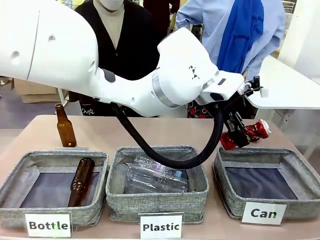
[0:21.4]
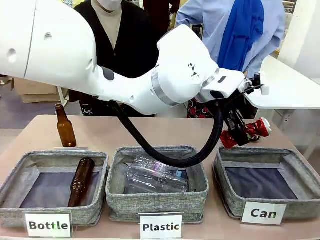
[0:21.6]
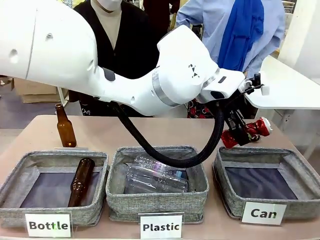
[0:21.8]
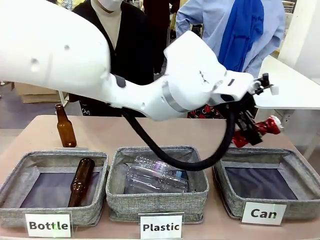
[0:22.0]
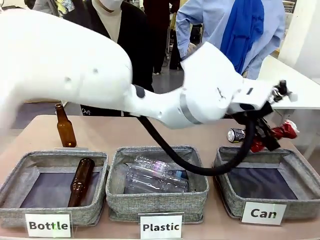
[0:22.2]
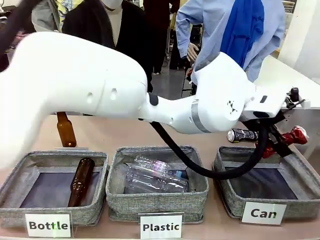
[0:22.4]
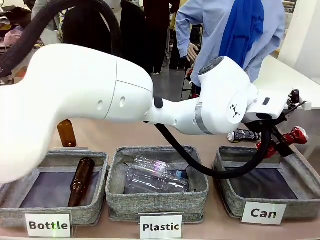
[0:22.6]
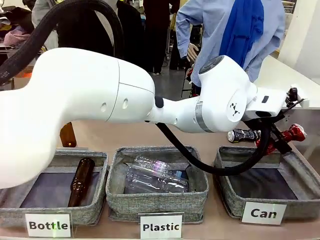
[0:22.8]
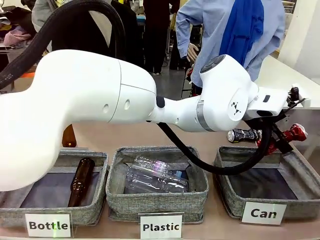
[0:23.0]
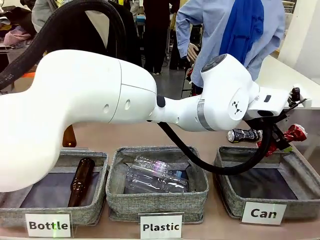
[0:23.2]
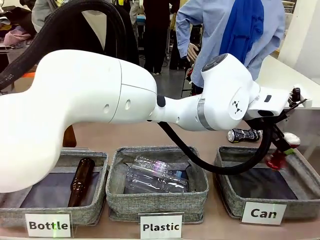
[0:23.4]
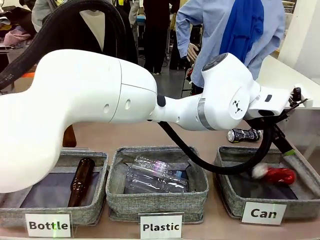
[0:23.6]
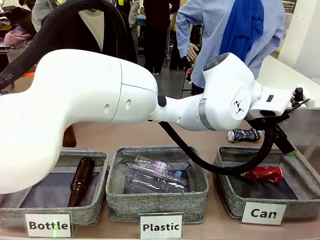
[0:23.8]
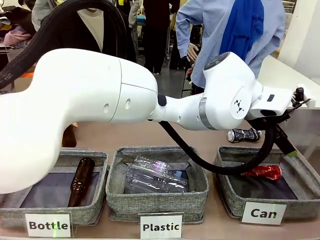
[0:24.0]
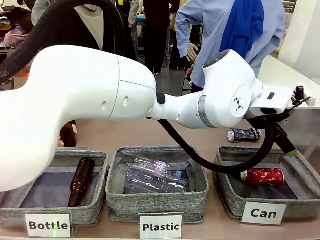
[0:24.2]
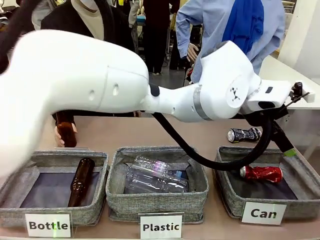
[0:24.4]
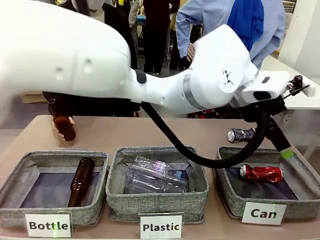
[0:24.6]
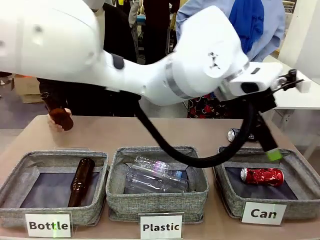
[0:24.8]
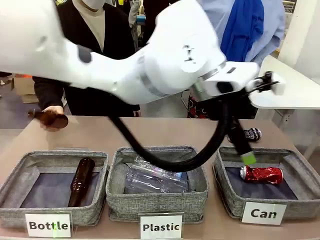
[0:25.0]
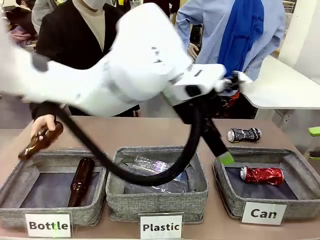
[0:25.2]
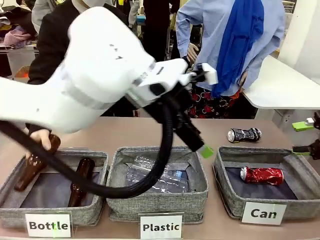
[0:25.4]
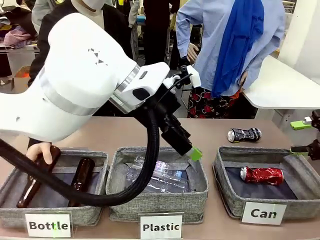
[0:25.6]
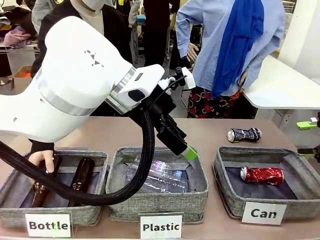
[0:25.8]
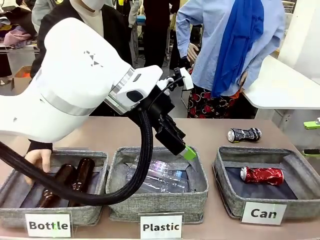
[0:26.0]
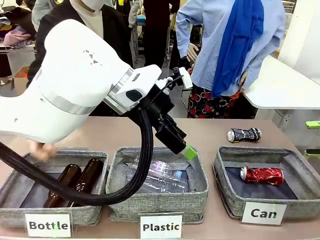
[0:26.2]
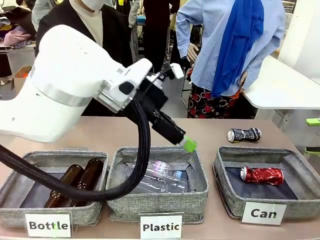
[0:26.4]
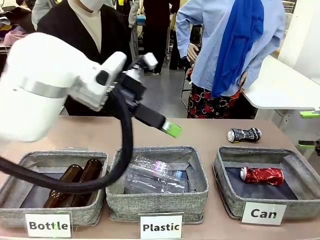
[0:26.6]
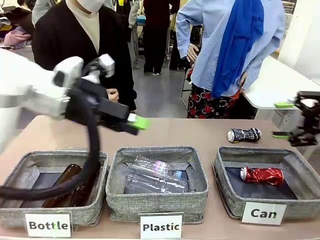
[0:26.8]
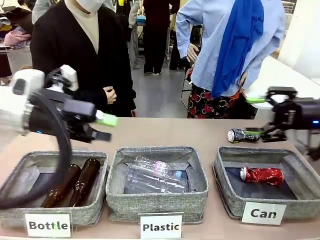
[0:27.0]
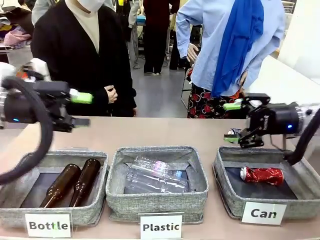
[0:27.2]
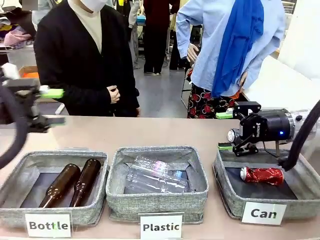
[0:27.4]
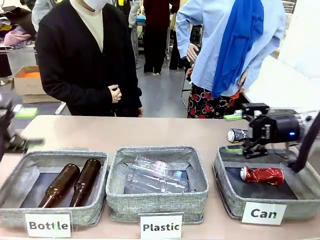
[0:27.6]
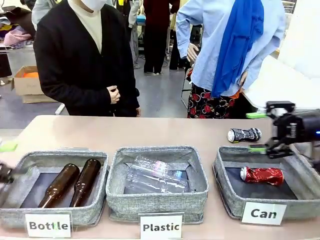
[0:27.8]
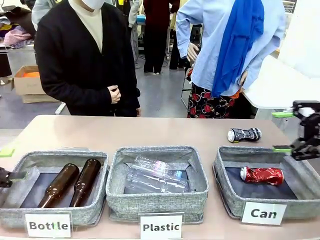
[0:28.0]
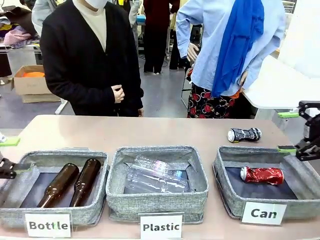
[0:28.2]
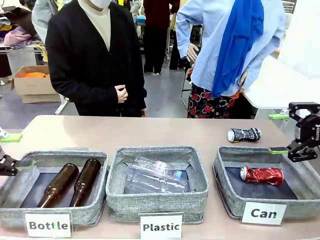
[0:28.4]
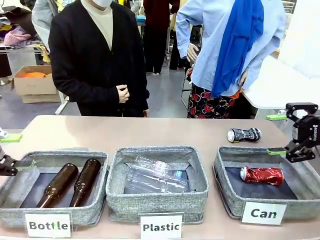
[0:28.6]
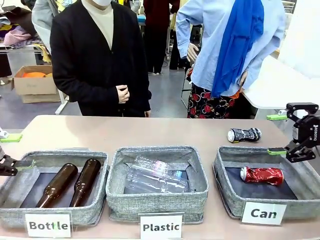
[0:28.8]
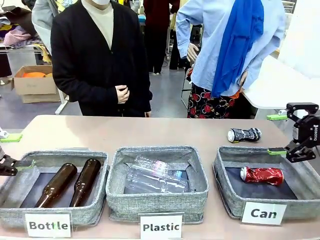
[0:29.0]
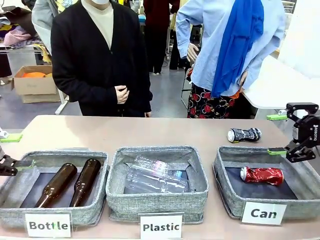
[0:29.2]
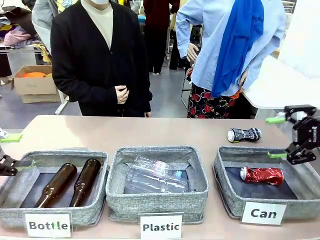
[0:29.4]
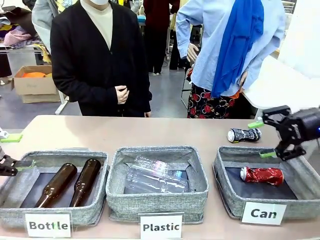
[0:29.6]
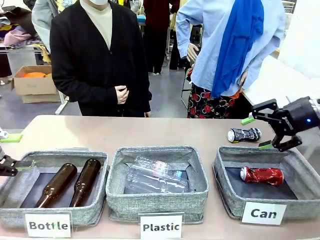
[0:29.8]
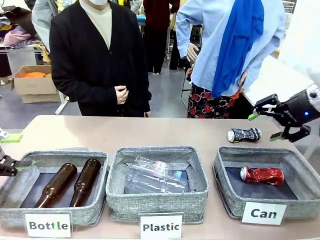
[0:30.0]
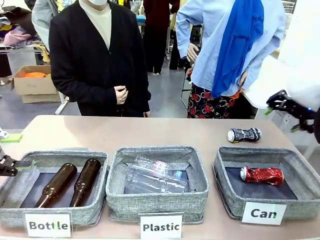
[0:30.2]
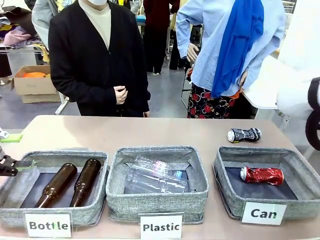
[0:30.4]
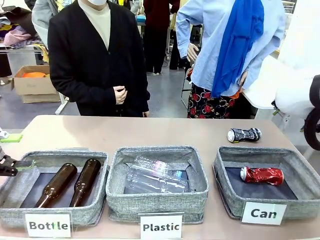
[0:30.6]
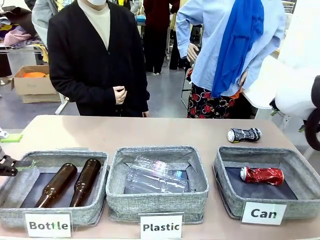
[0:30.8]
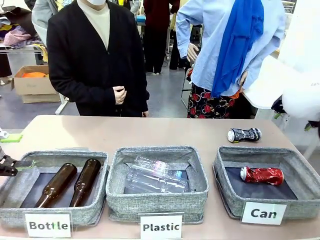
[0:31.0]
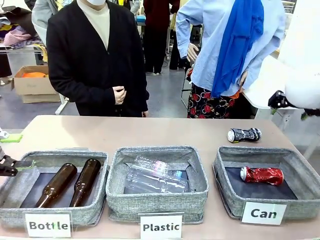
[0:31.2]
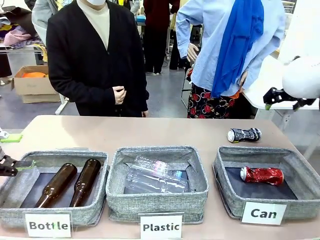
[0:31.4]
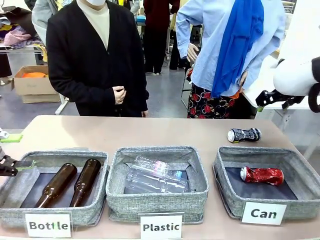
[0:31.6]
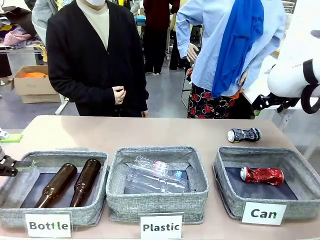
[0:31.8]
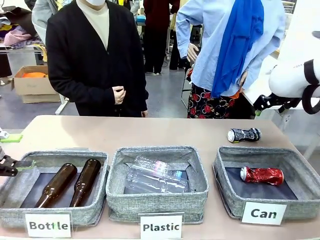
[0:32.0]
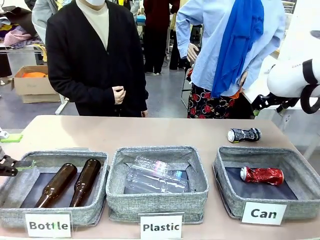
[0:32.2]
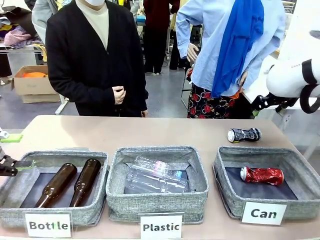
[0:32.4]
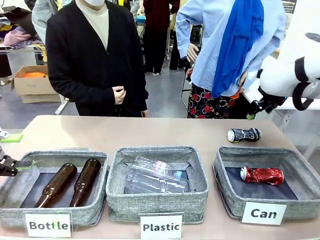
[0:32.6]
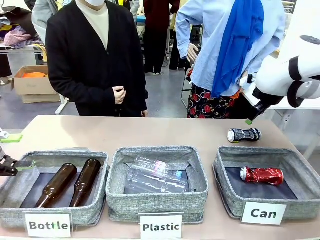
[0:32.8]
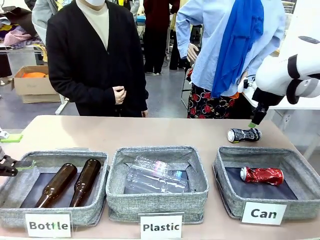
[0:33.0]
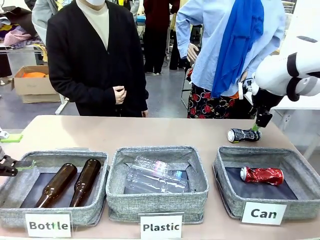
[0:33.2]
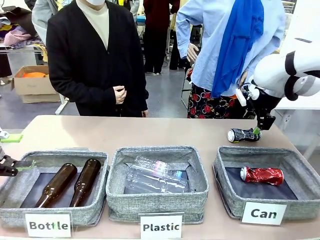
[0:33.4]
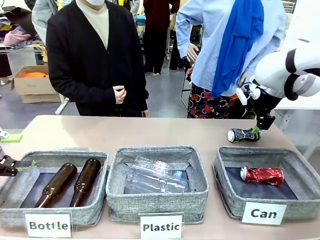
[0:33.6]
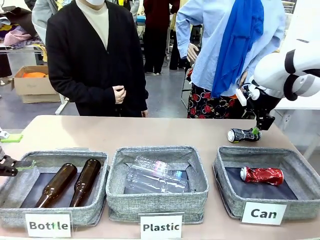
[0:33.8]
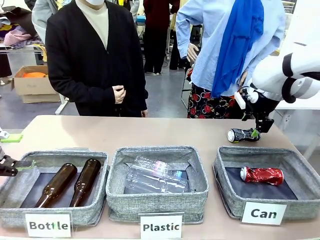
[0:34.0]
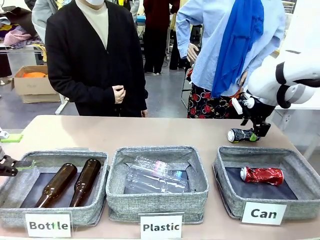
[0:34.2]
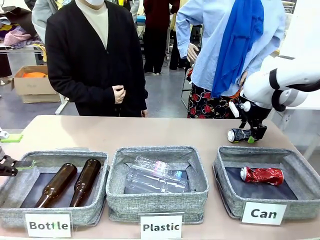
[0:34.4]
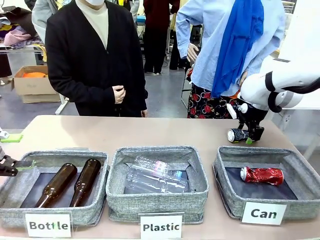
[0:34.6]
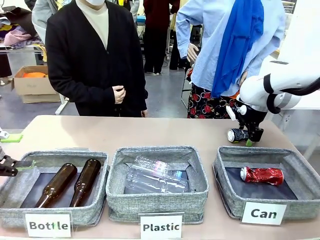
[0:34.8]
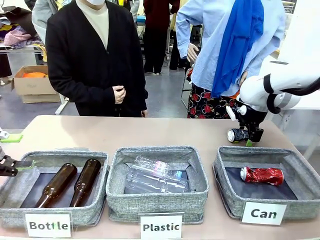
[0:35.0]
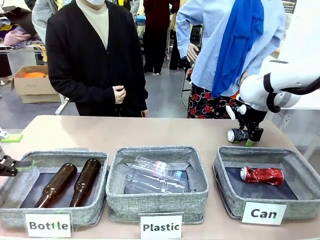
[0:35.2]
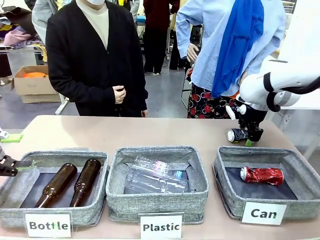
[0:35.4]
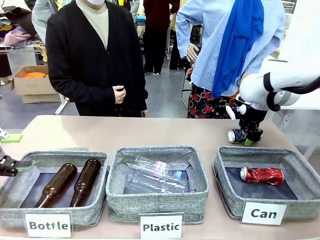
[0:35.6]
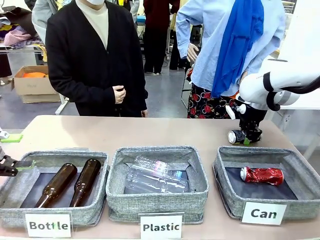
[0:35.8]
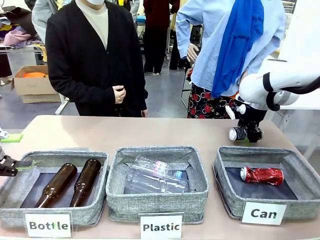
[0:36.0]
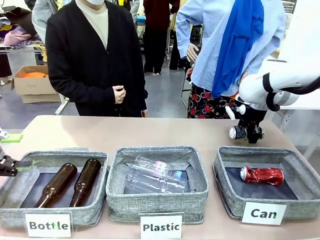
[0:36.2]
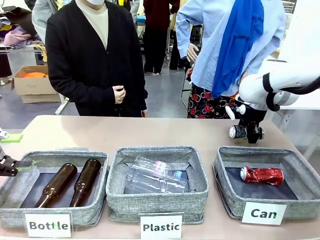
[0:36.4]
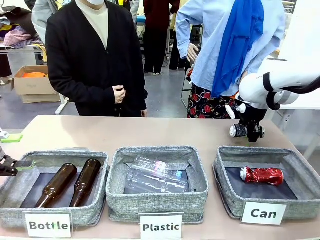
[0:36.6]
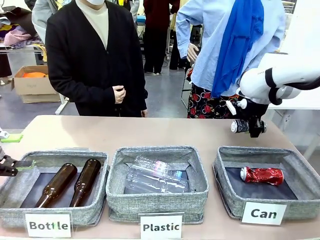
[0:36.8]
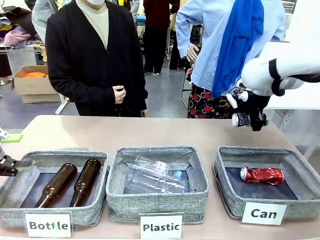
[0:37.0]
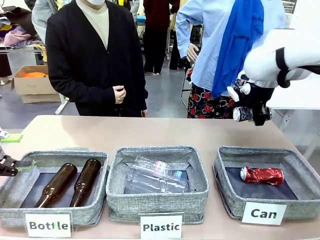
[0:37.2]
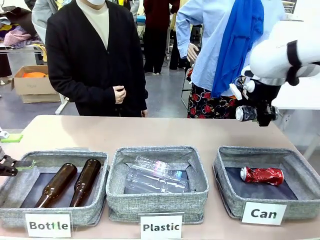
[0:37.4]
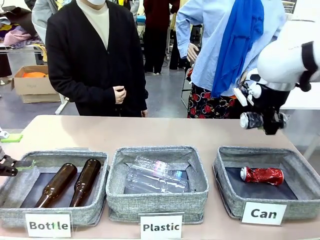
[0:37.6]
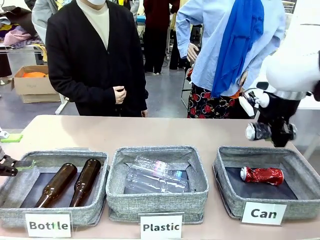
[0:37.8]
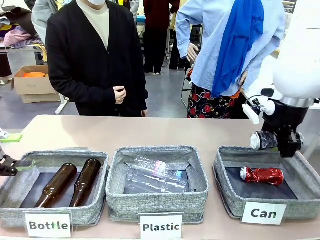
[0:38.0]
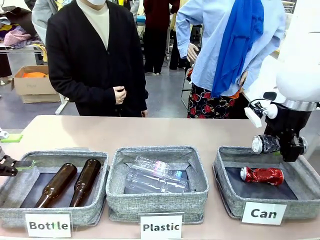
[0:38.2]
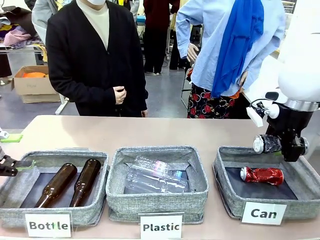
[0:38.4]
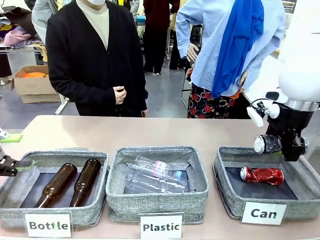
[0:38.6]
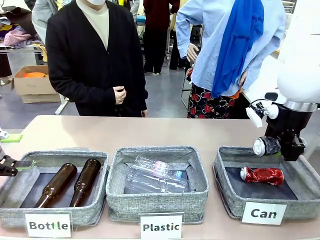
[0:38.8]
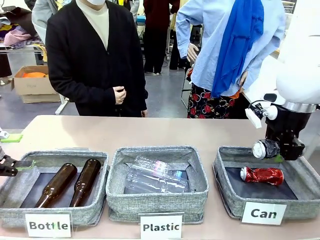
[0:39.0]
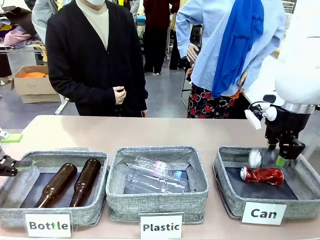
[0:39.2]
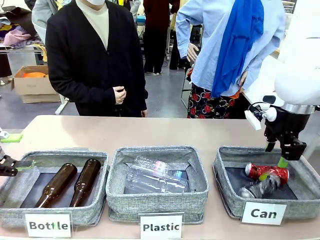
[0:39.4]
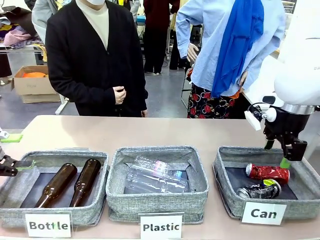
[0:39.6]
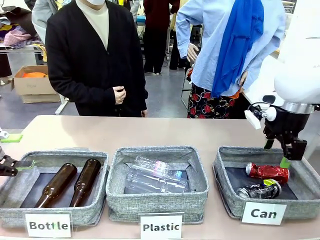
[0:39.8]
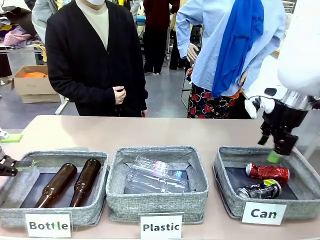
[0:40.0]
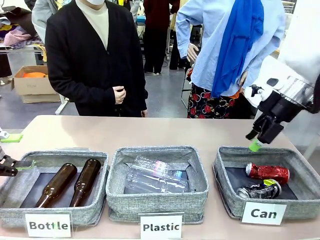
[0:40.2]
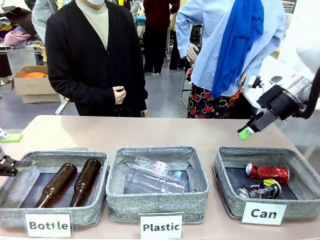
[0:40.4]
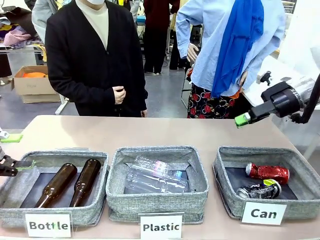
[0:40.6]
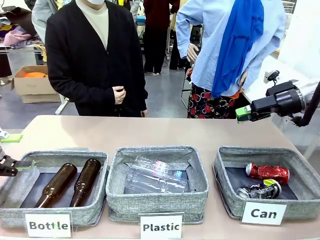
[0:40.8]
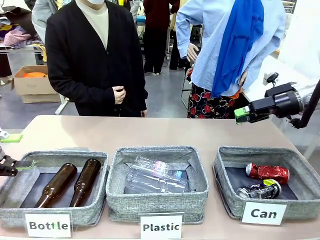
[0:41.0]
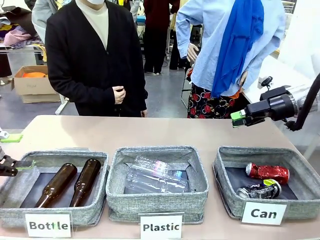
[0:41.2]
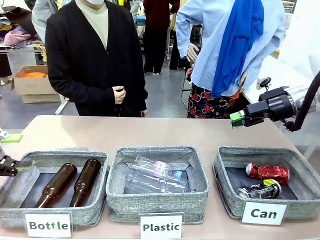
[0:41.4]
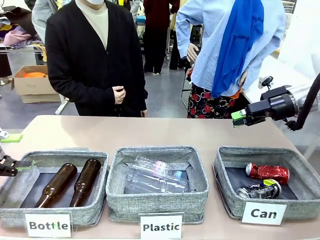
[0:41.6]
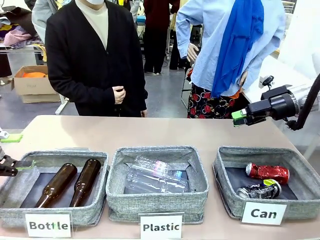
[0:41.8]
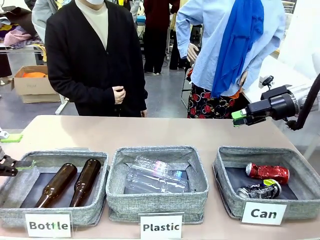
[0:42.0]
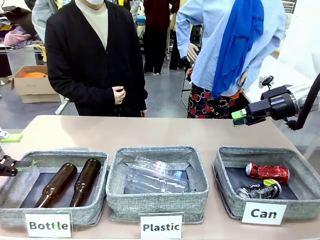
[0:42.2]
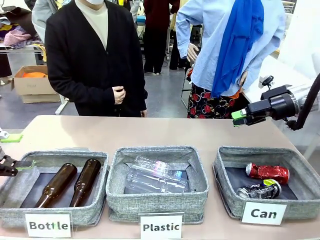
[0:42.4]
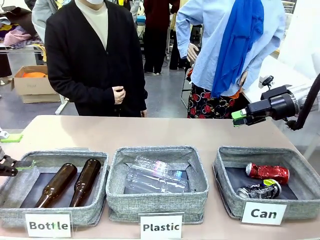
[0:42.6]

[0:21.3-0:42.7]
Task: Sort the can waste into the basket.
Robot: Pick up the can waste from the table and place it in the right Fabric basket.
Person: The human picks up one piece of trash that is not a can and places the trash into the appropriate organizing basket.
